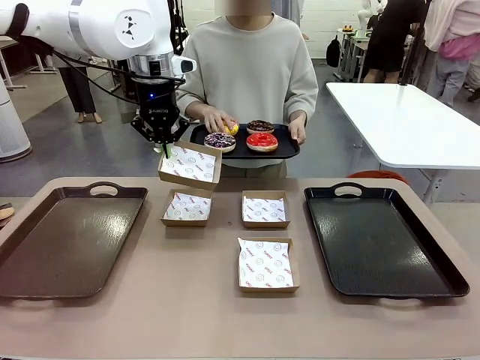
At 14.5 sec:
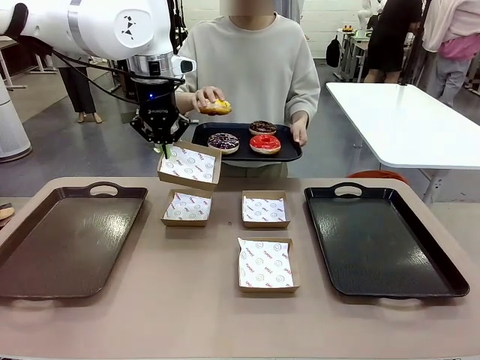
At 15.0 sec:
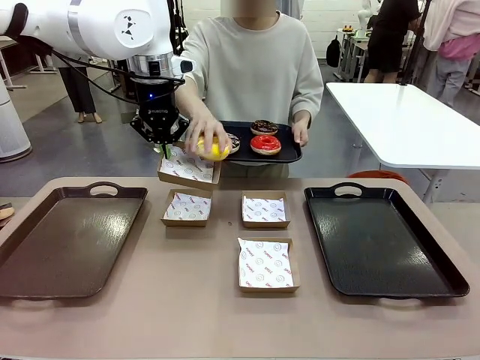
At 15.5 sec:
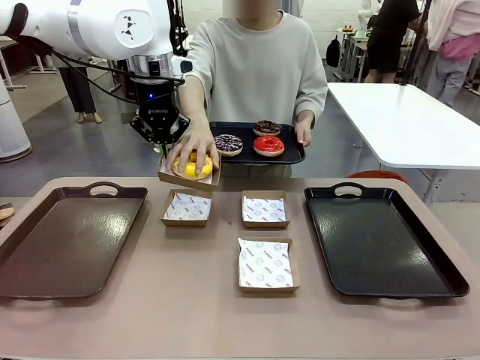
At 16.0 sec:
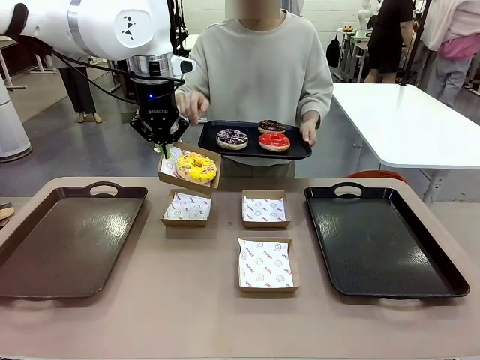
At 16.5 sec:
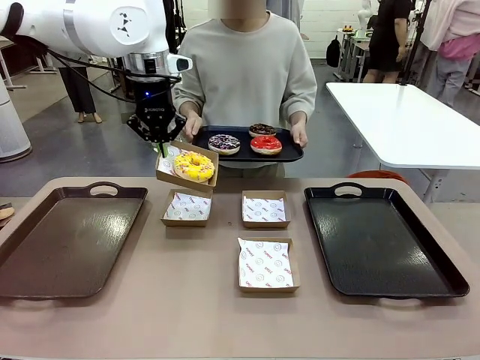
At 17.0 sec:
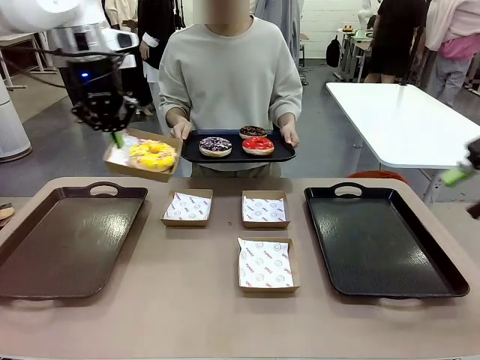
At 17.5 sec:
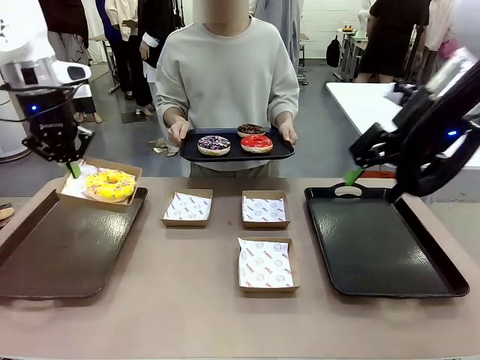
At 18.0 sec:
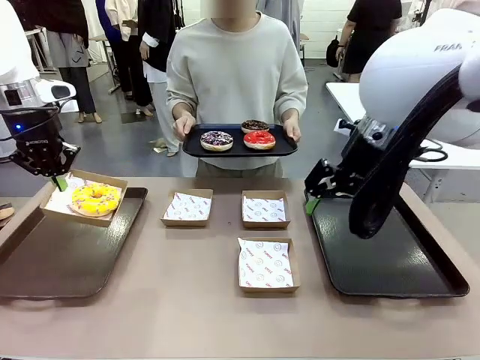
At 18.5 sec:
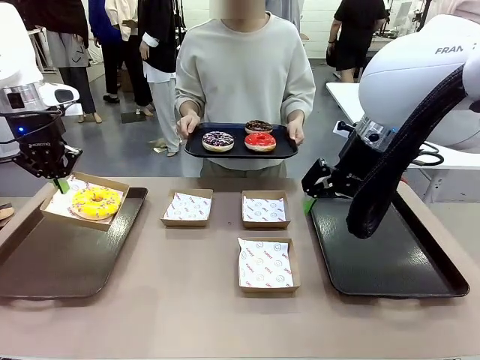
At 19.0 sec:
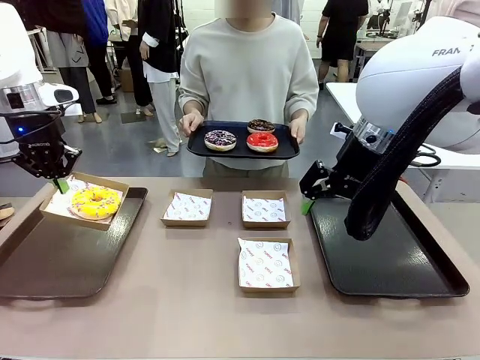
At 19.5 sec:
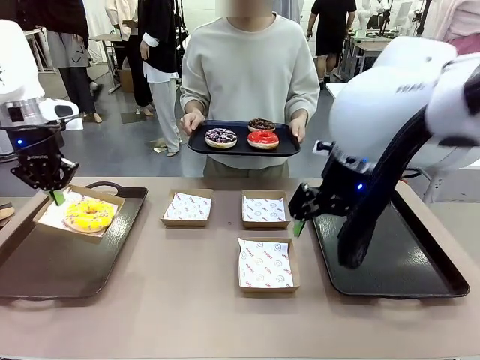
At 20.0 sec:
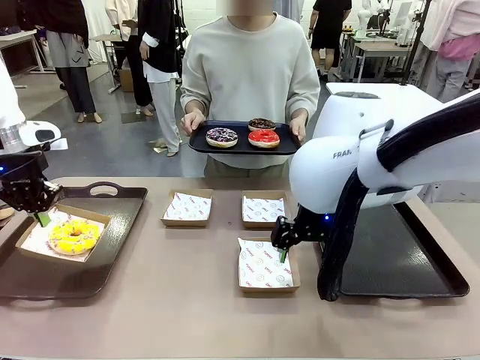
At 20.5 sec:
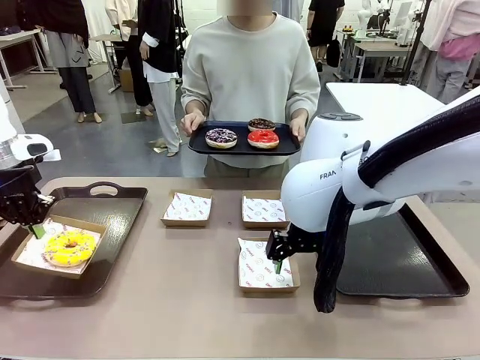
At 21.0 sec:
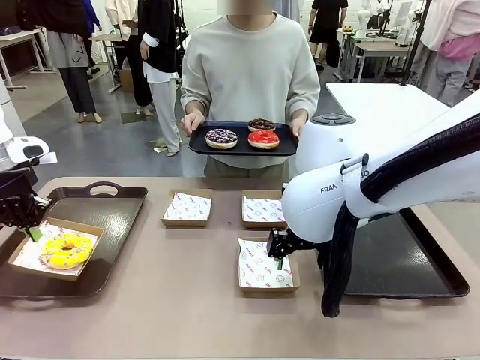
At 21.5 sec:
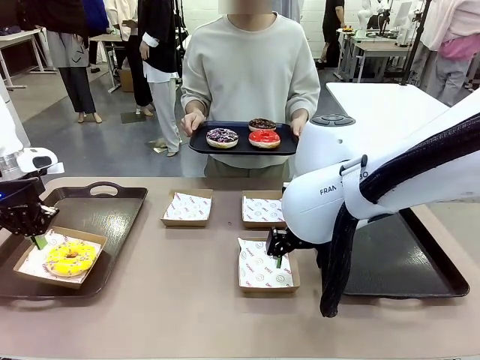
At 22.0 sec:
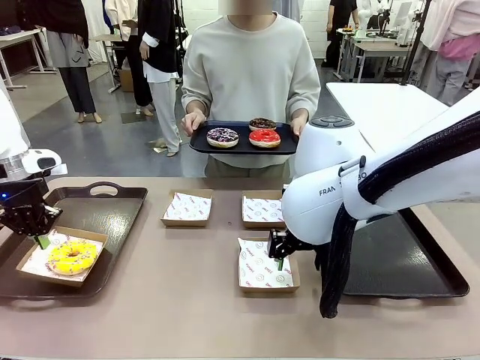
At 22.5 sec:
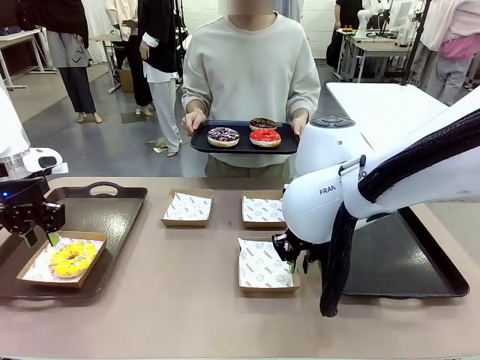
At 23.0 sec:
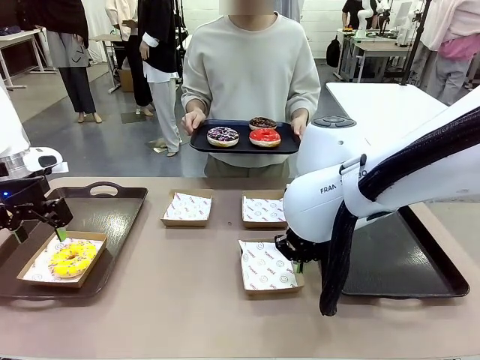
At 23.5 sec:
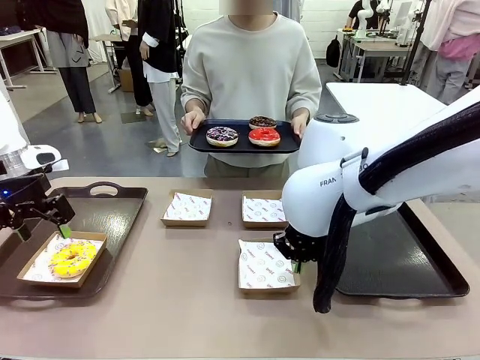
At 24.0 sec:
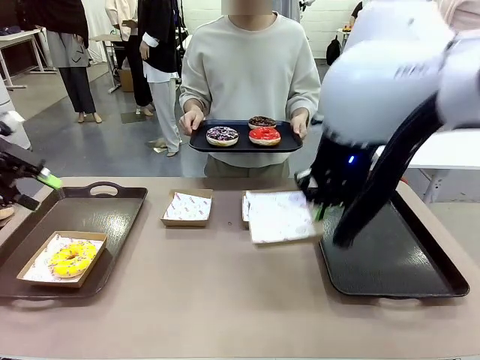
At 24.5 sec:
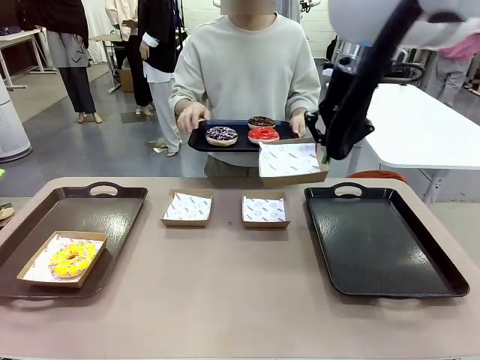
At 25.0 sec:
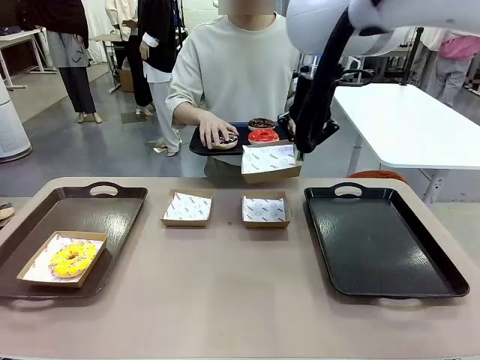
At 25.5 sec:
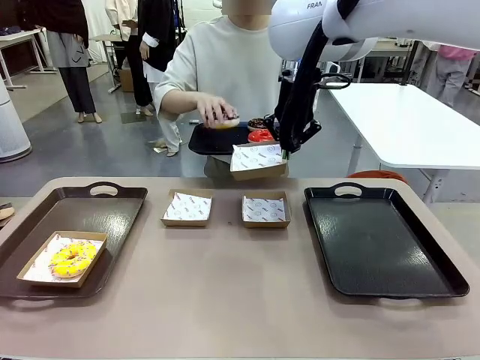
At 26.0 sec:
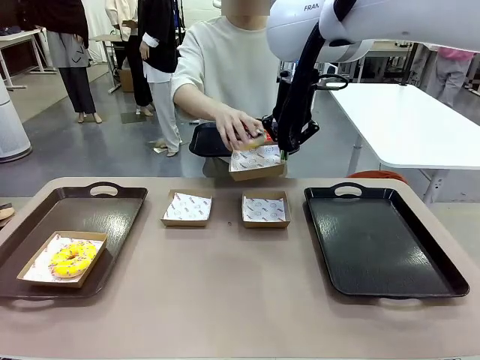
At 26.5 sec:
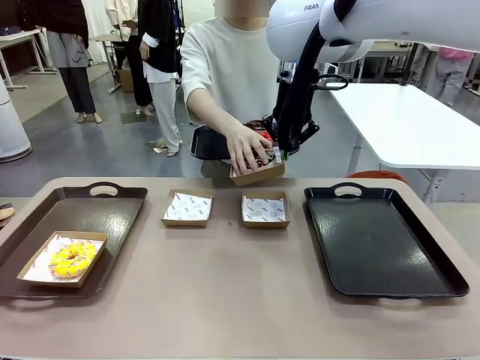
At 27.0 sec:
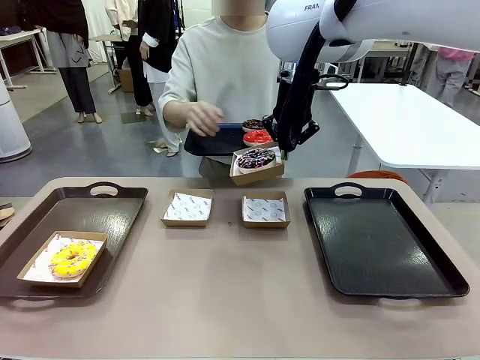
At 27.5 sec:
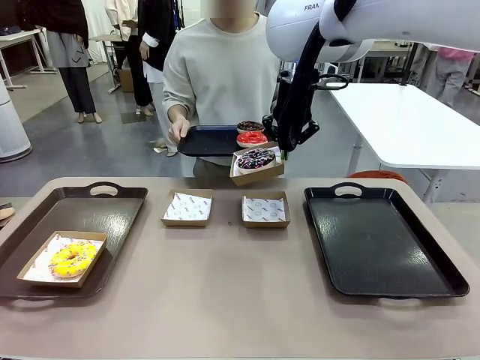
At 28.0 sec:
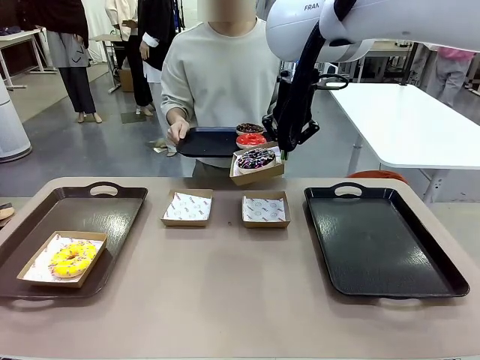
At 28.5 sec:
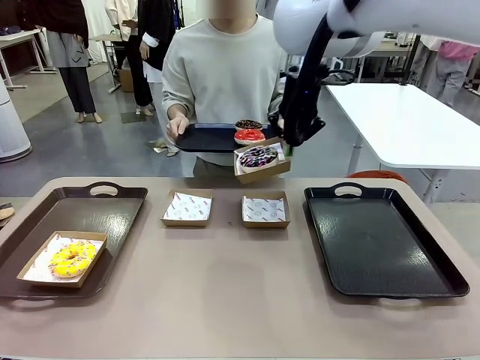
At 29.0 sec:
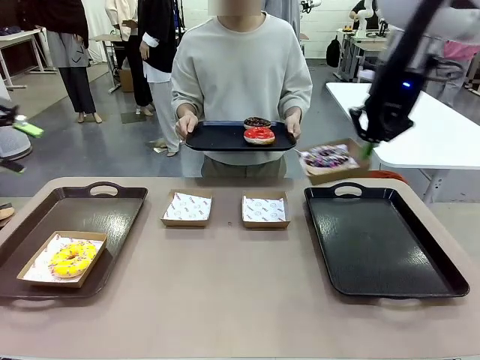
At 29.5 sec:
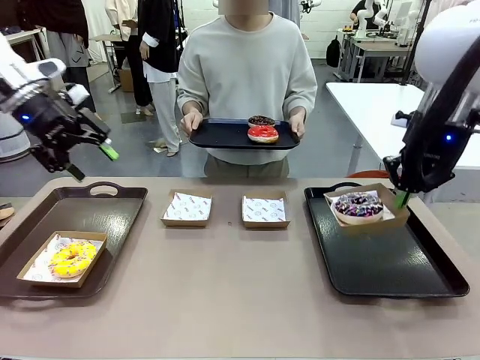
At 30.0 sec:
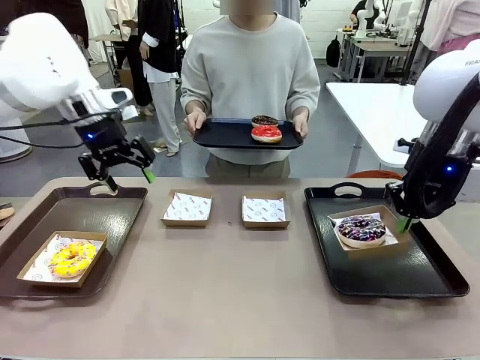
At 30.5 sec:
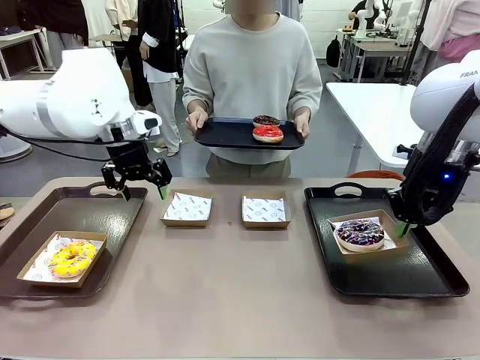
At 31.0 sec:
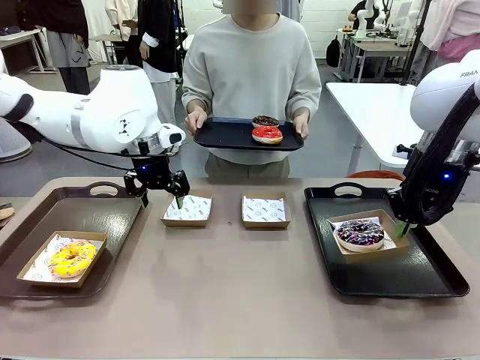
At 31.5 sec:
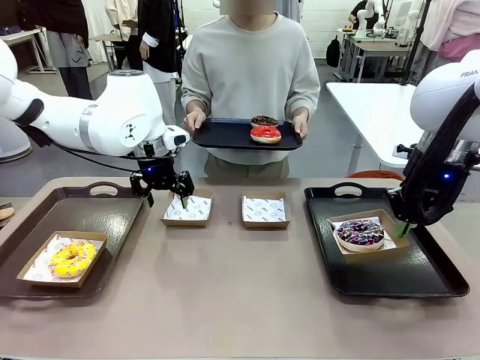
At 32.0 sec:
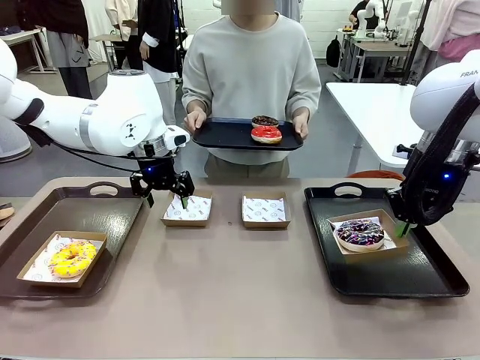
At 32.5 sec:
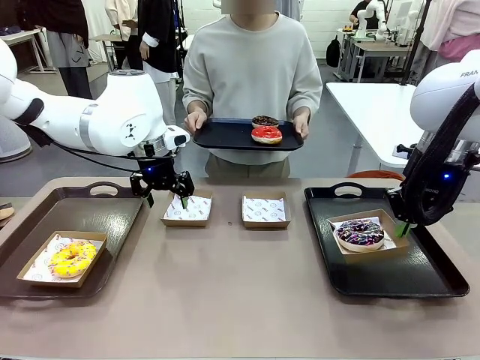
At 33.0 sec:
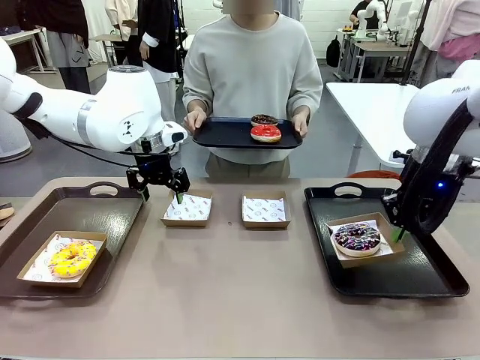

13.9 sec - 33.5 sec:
Task: Individually package the donuts and arrange them on the tray.
Robot: Place the picked Paper togo box on the Handle tray while simultaneously picking up another Paper togo box from the table with the other hand.
